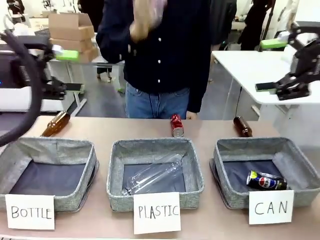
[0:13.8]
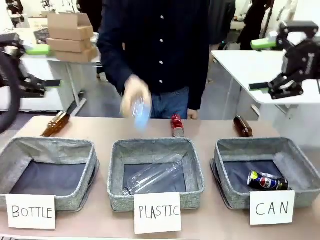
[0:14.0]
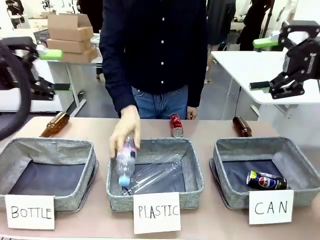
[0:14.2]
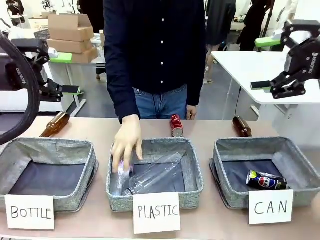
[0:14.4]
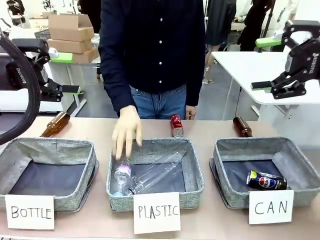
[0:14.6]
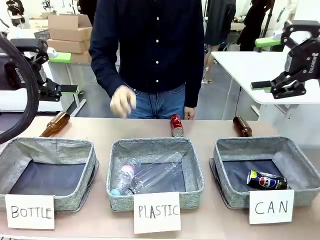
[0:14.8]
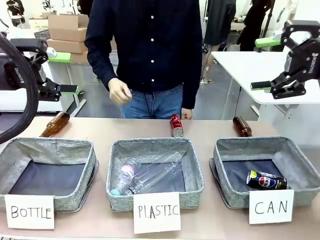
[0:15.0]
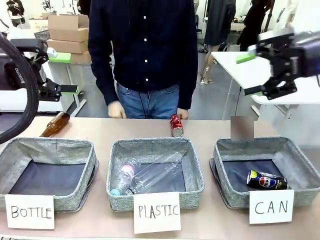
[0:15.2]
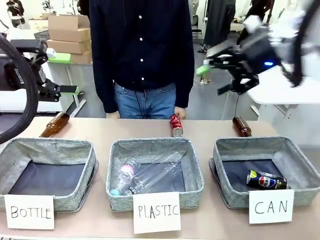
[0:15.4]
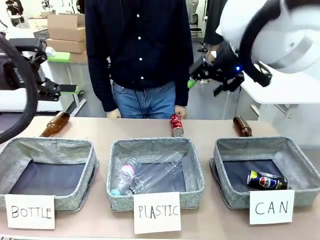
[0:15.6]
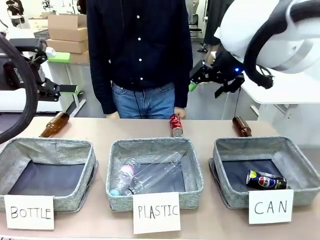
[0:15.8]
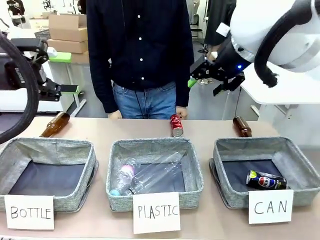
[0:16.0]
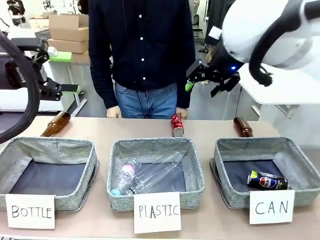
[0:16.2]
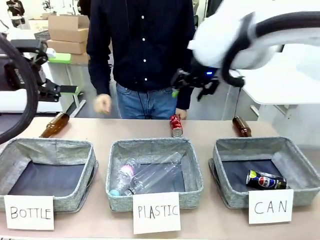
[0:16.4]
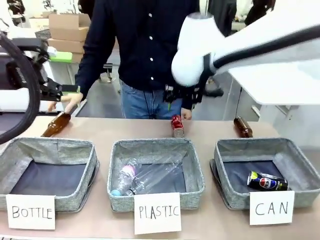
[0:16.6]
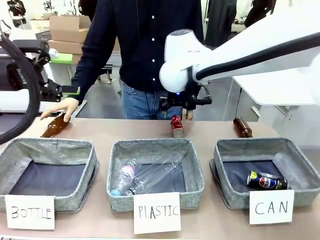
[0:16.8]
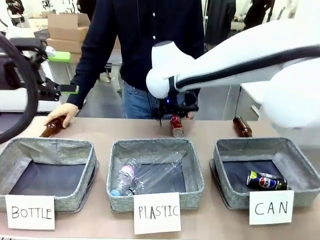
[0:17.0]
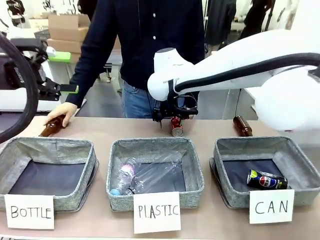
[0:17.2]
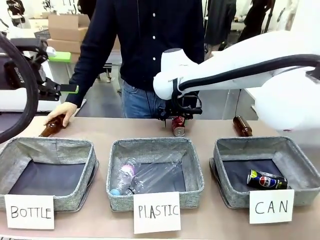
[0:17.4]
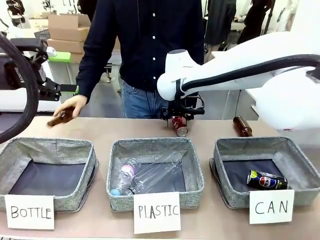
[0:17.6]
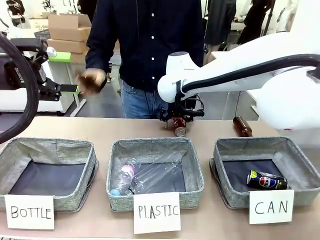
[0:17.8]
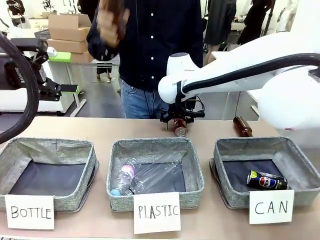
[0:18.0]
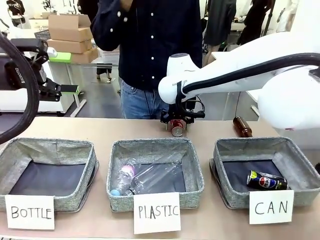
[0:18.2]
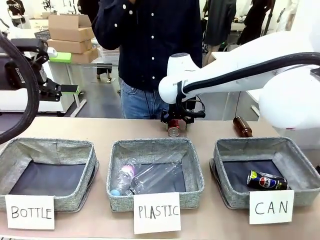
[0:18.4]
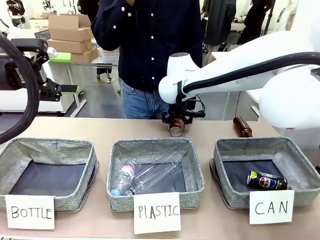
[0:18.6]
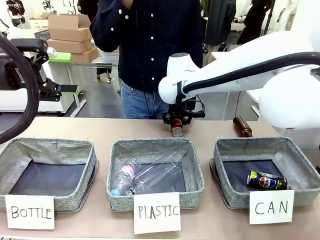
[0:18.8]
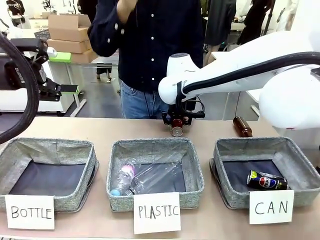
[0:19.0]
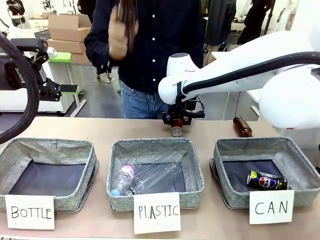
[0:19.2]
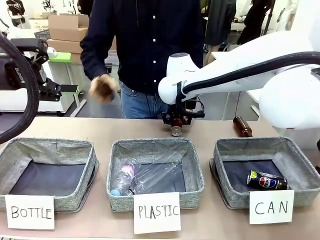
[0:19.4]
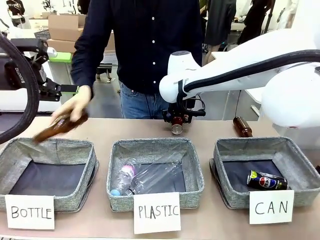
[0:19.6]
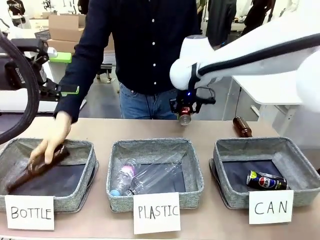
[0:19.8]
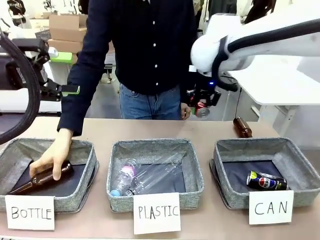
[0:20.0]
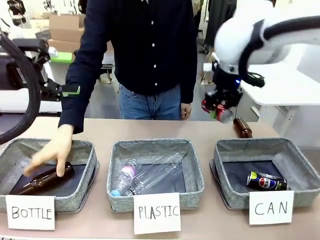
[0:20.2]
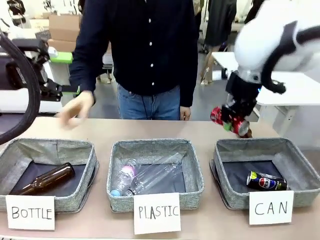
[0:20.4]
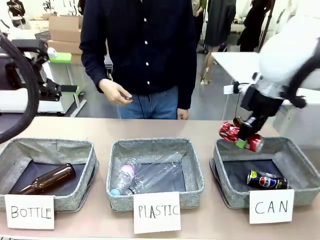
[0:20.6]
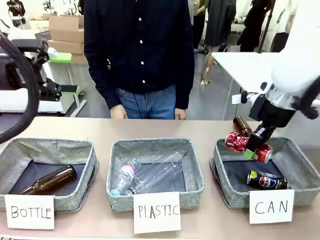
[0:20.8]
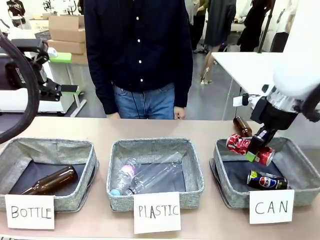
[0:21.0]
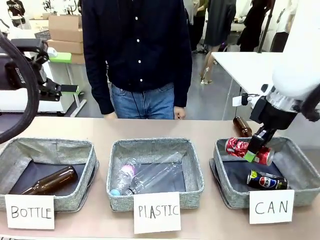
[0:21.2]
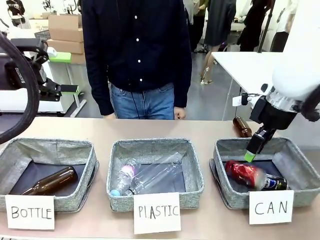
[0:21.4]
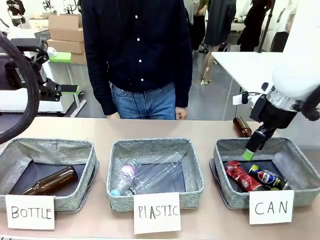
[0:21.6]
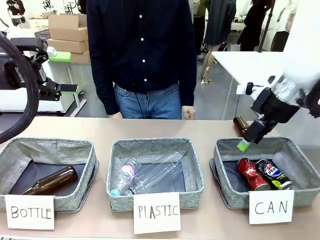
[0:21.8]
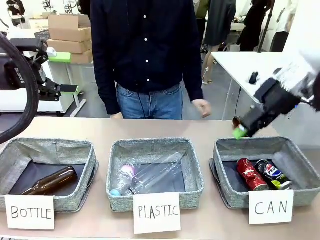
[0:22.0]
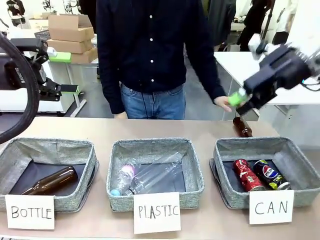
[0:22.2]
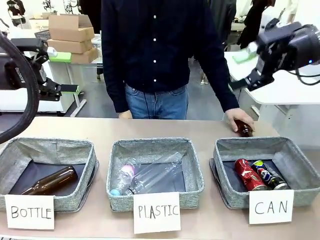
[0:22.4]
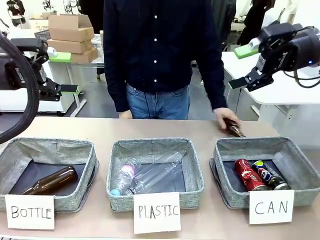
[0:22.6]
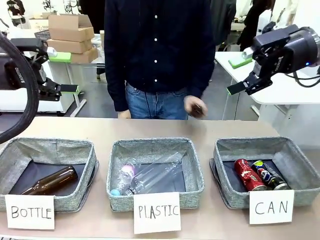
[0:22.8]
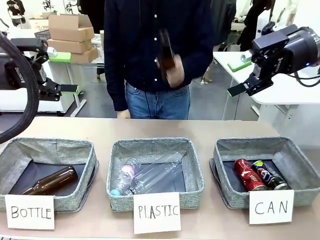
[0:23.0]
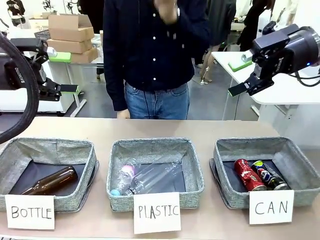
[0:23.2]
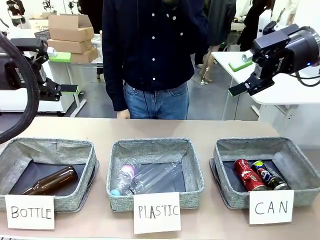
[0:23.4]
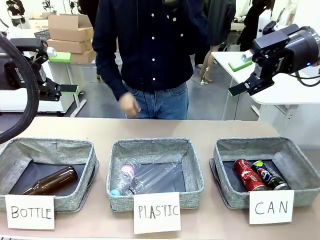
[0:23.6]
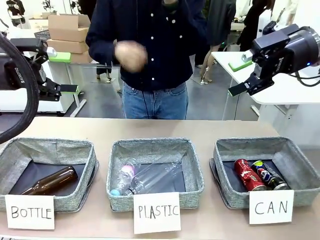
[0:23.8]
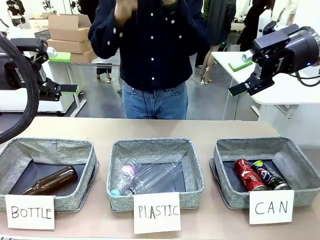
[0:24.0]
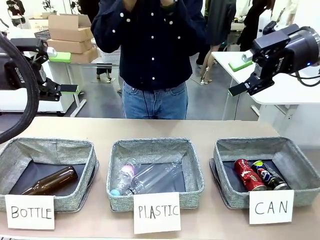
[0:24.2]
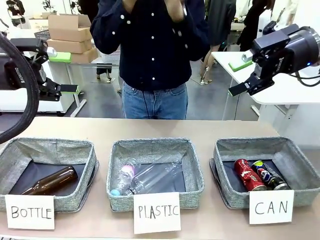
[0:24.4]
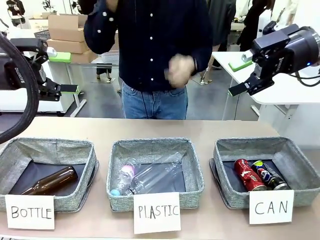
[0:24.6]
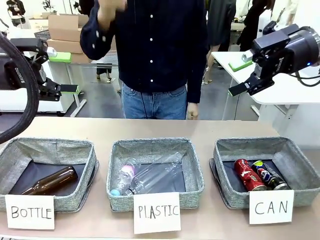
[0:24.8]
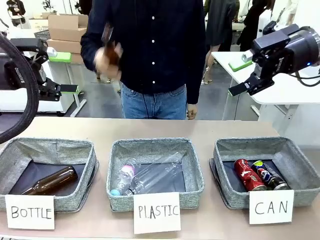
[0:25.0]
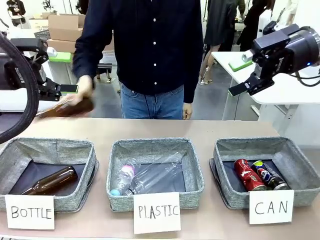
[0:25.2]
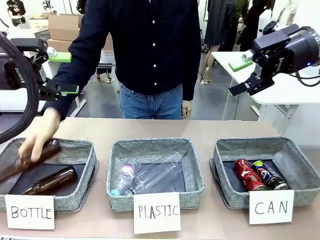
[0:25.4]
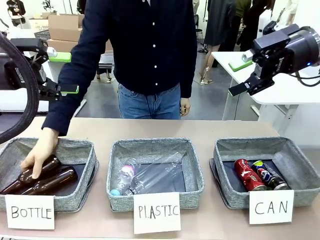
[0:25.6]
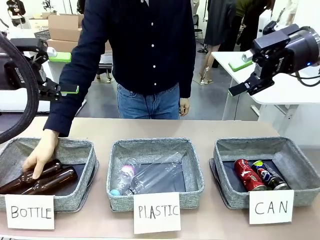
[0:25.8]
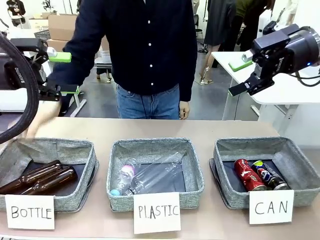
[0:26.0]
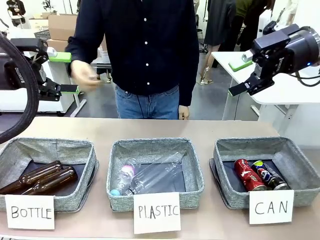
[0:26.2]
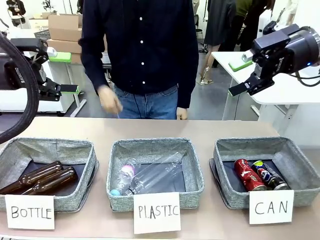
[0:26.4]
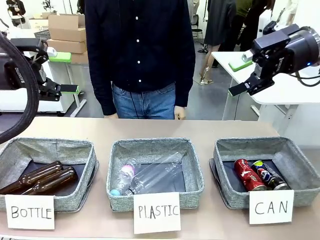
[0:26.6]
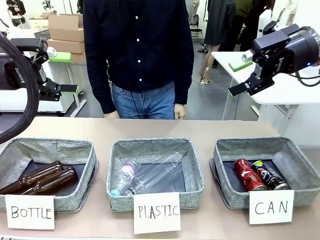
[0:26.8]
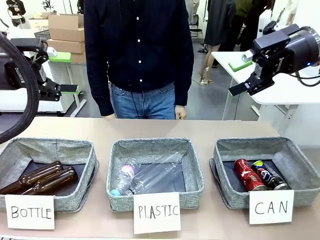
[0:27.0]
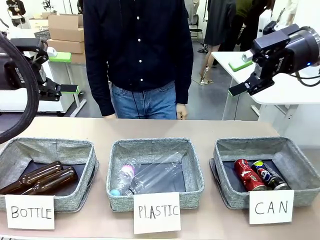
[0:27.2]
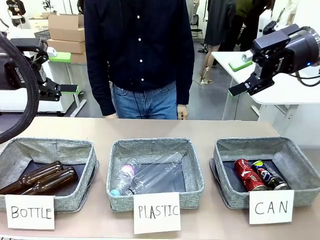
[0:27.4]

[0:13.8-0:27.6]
Task: Sort the can waste into the basket.
Robot: Pick up the can waste from the table and place it in the right Fabric basket.
